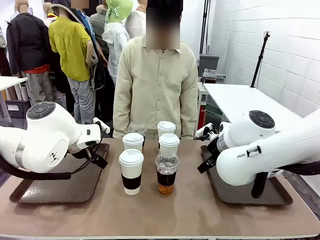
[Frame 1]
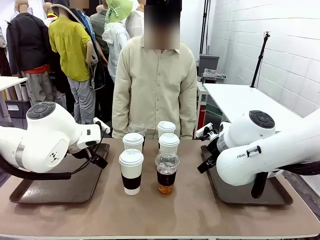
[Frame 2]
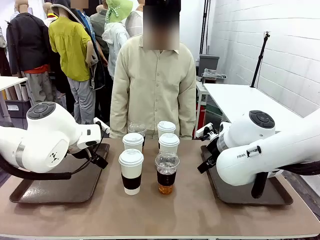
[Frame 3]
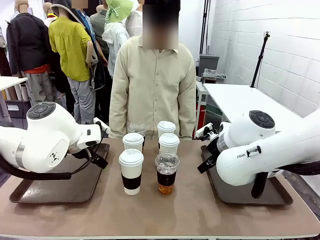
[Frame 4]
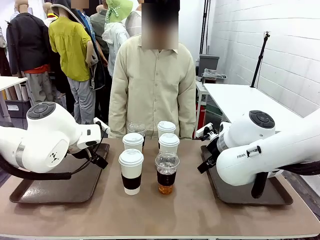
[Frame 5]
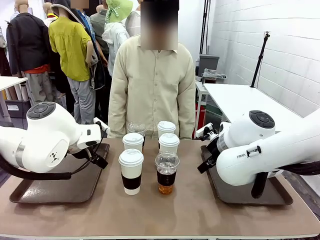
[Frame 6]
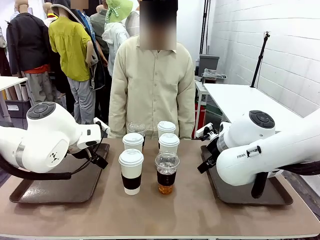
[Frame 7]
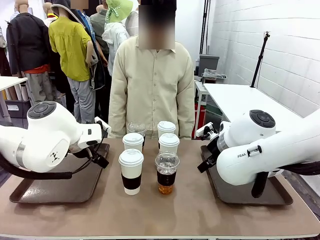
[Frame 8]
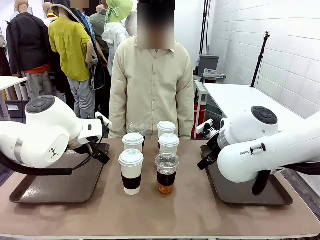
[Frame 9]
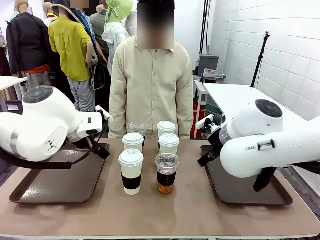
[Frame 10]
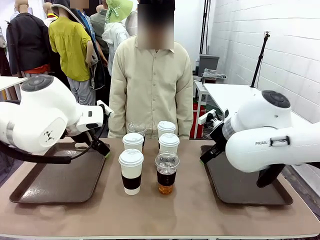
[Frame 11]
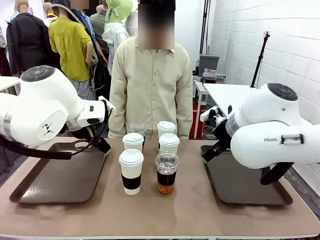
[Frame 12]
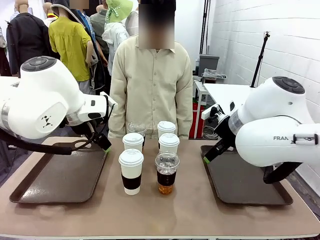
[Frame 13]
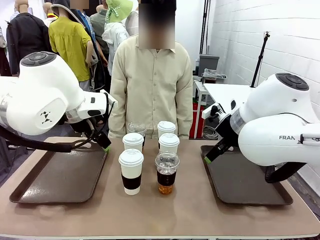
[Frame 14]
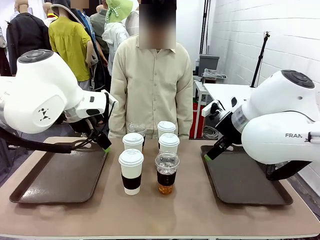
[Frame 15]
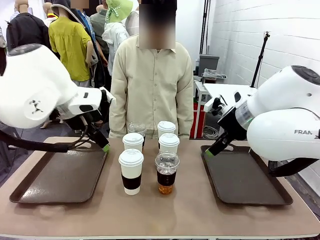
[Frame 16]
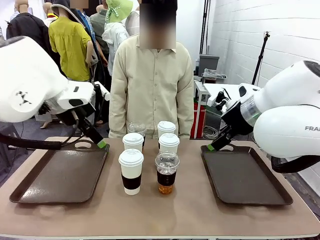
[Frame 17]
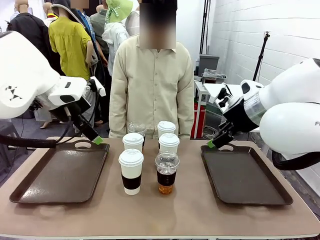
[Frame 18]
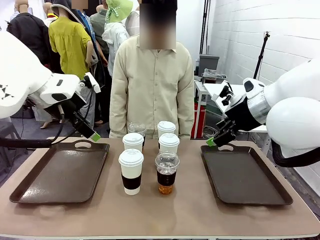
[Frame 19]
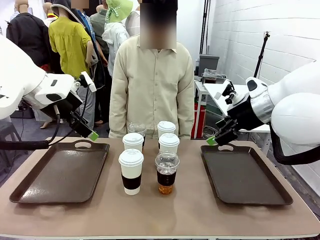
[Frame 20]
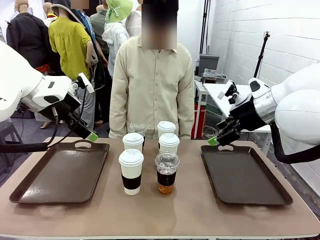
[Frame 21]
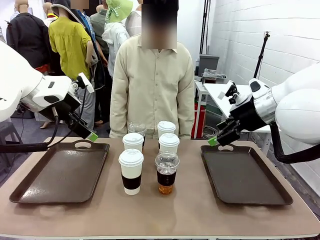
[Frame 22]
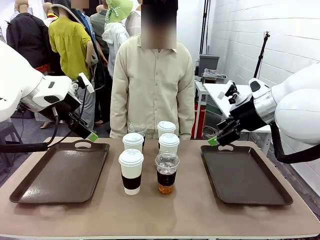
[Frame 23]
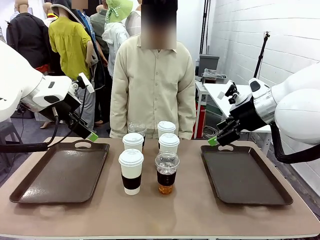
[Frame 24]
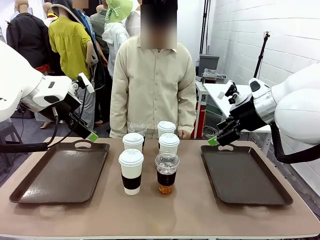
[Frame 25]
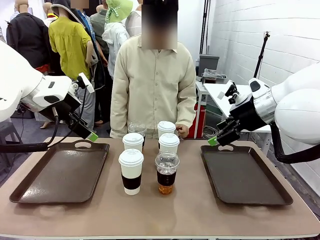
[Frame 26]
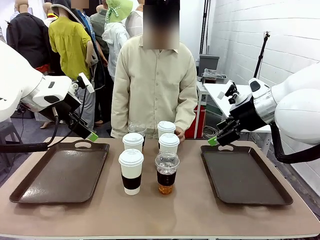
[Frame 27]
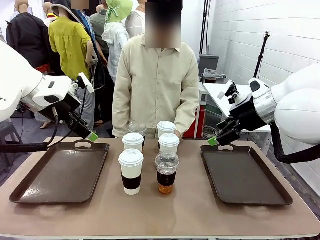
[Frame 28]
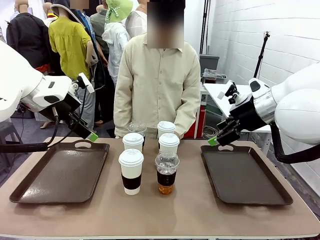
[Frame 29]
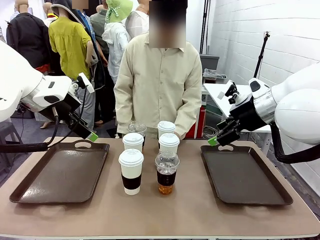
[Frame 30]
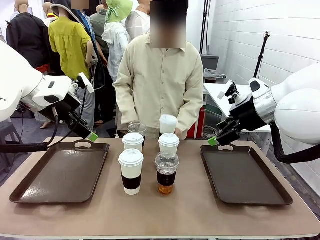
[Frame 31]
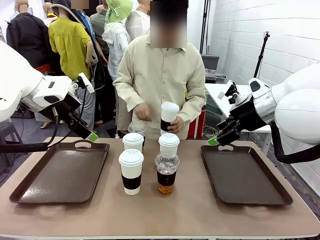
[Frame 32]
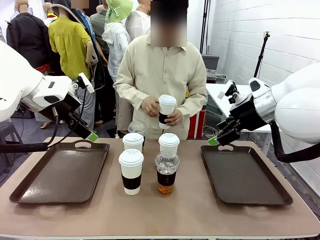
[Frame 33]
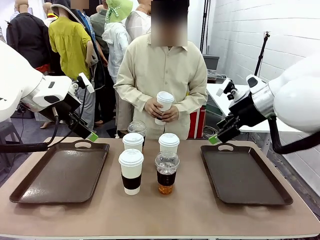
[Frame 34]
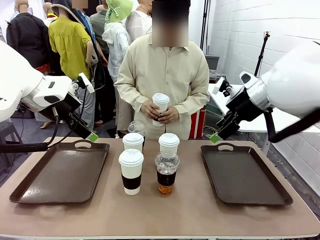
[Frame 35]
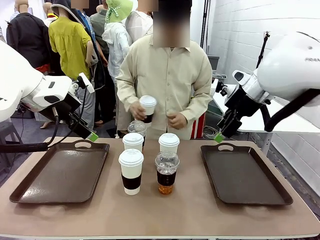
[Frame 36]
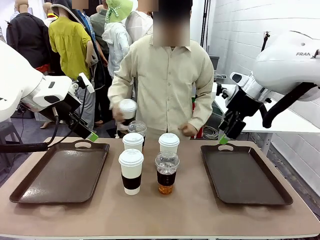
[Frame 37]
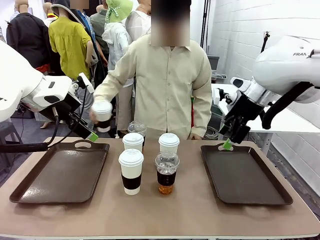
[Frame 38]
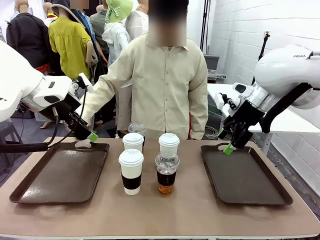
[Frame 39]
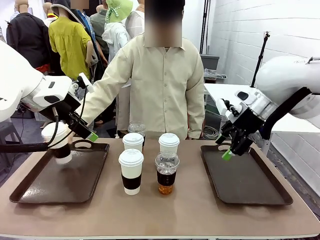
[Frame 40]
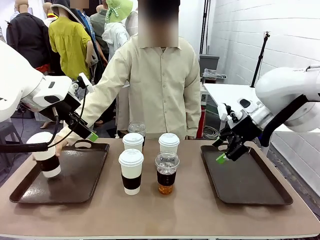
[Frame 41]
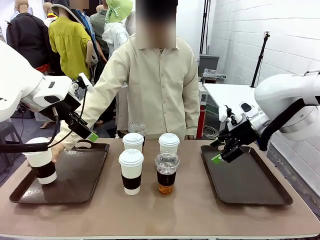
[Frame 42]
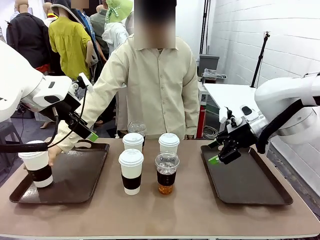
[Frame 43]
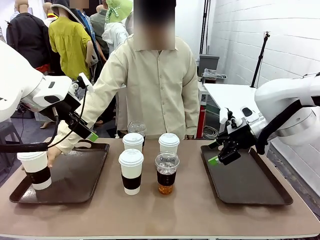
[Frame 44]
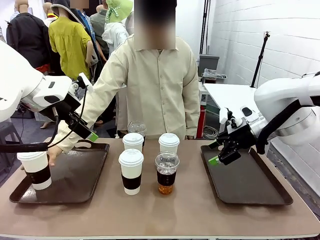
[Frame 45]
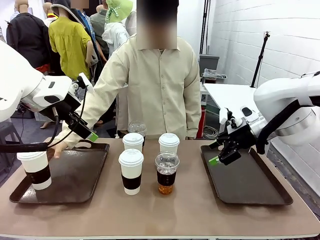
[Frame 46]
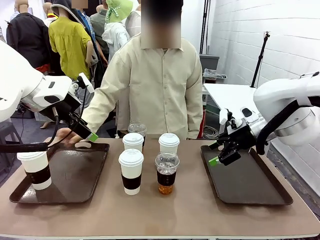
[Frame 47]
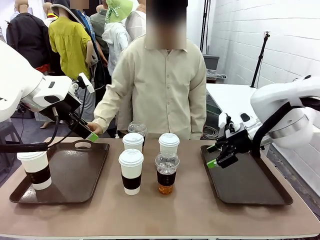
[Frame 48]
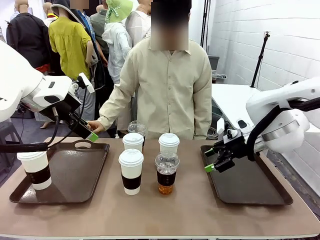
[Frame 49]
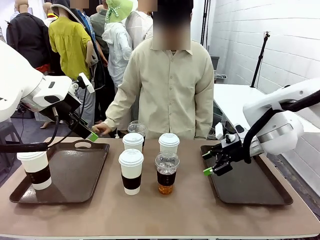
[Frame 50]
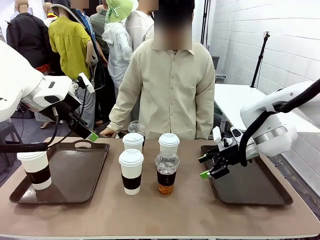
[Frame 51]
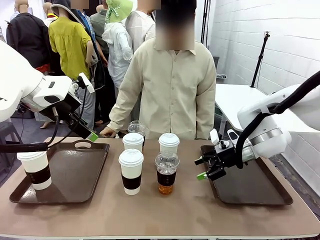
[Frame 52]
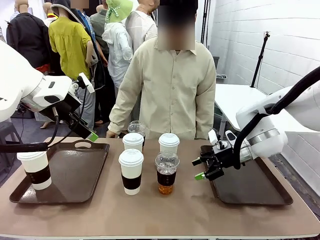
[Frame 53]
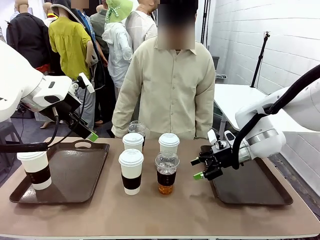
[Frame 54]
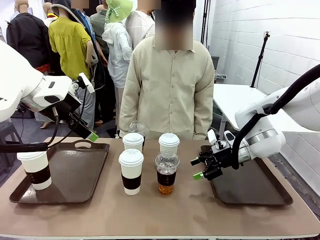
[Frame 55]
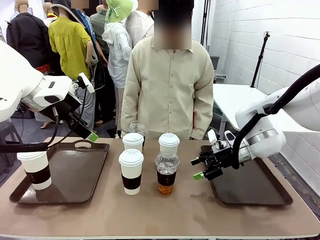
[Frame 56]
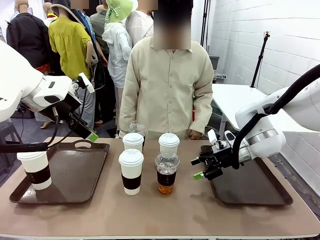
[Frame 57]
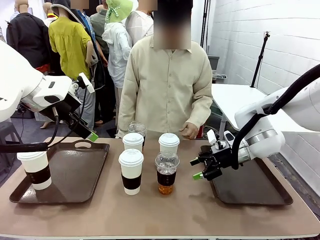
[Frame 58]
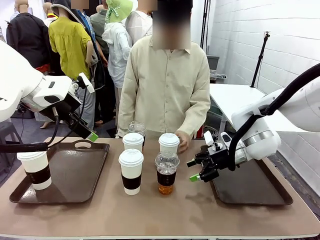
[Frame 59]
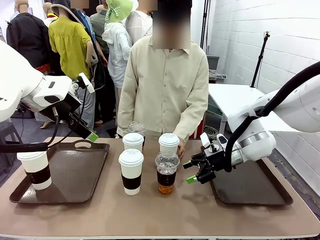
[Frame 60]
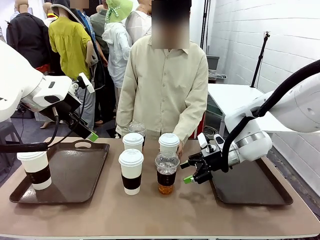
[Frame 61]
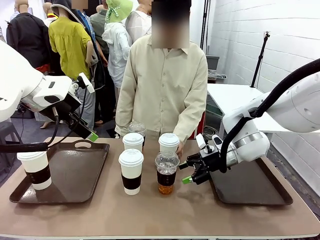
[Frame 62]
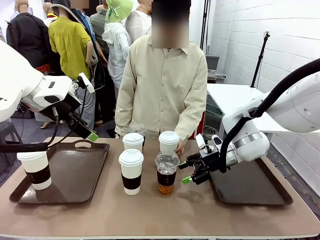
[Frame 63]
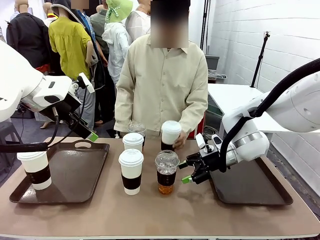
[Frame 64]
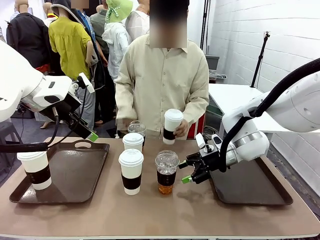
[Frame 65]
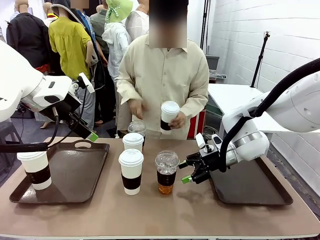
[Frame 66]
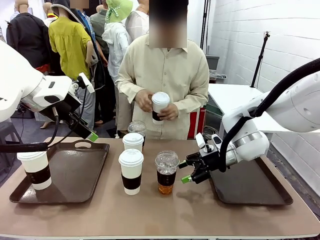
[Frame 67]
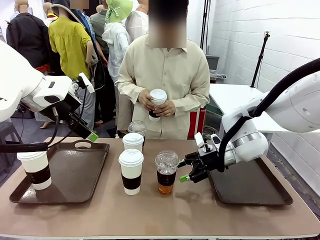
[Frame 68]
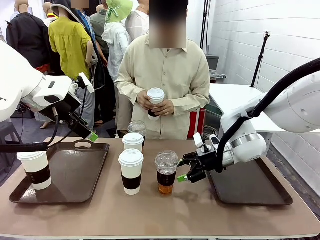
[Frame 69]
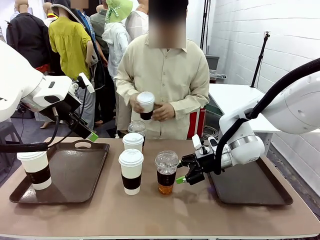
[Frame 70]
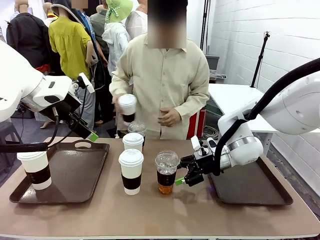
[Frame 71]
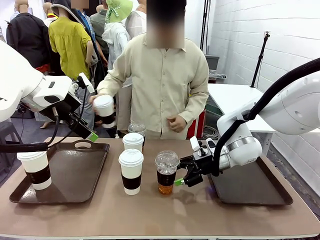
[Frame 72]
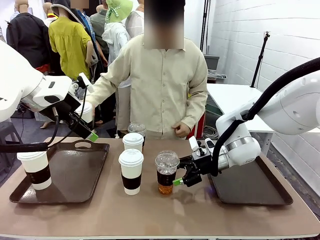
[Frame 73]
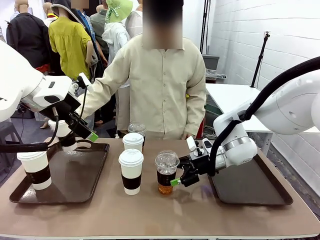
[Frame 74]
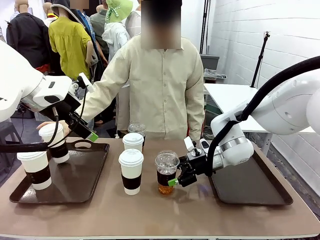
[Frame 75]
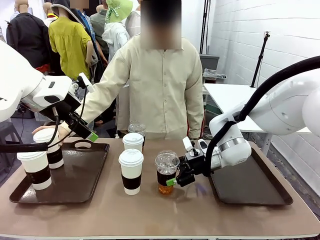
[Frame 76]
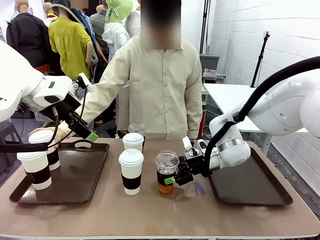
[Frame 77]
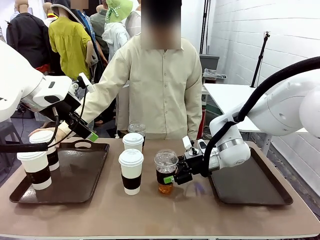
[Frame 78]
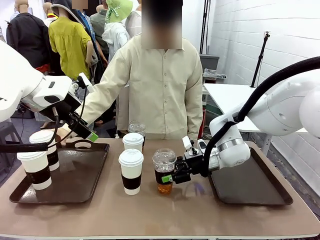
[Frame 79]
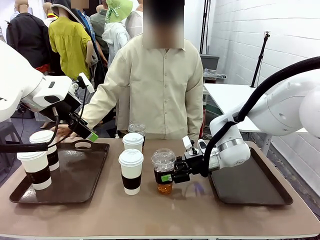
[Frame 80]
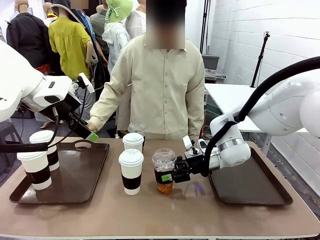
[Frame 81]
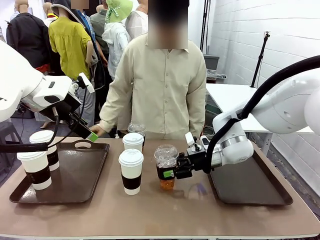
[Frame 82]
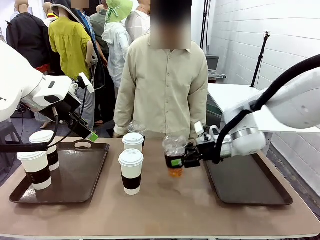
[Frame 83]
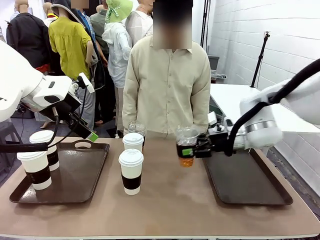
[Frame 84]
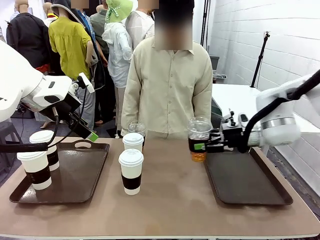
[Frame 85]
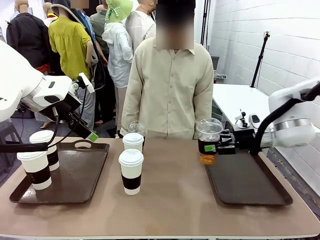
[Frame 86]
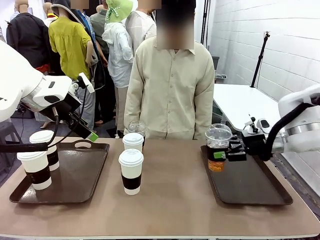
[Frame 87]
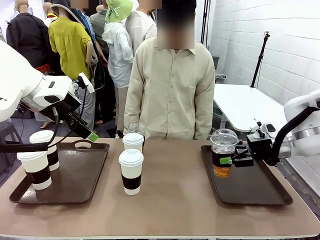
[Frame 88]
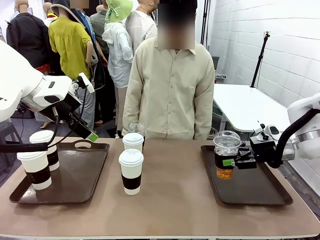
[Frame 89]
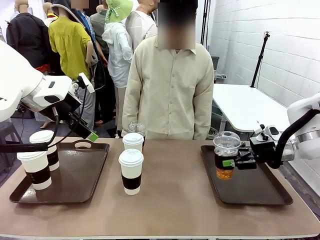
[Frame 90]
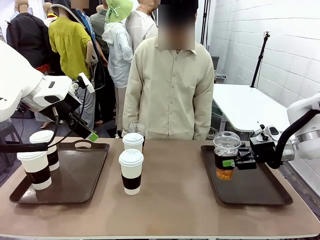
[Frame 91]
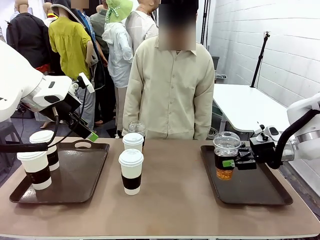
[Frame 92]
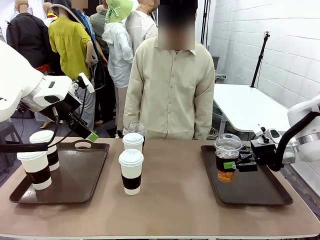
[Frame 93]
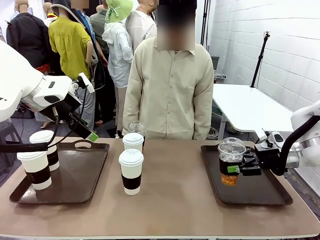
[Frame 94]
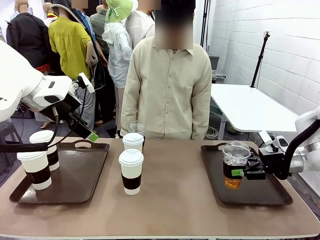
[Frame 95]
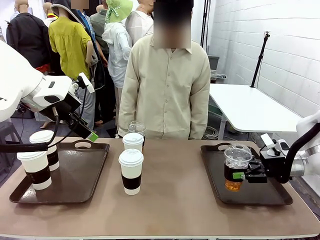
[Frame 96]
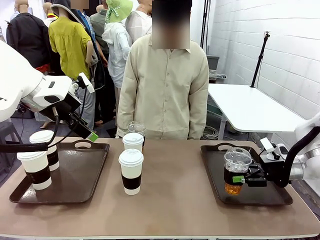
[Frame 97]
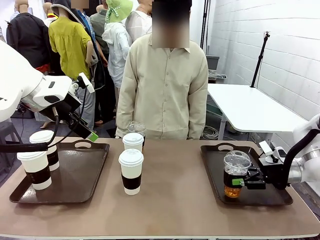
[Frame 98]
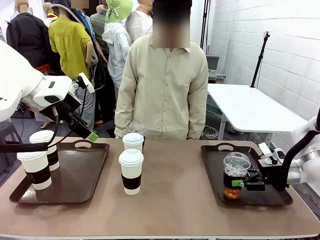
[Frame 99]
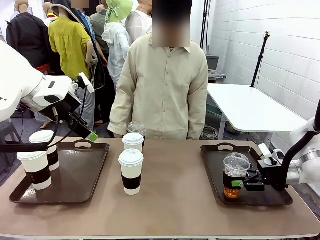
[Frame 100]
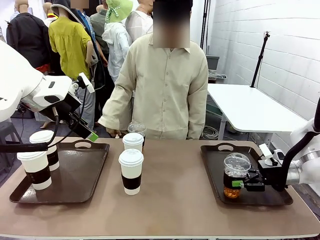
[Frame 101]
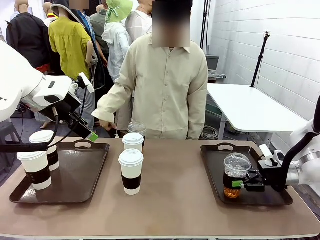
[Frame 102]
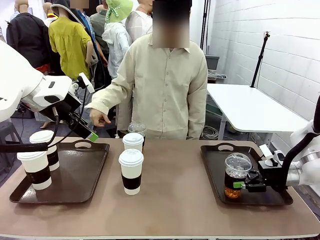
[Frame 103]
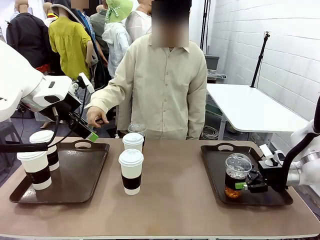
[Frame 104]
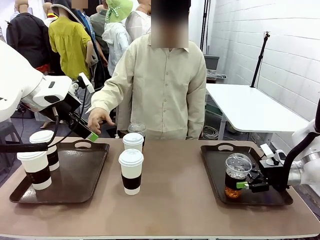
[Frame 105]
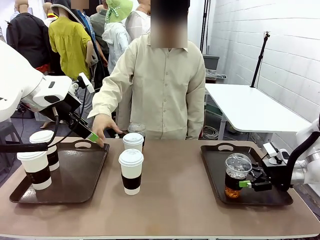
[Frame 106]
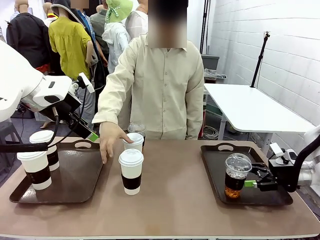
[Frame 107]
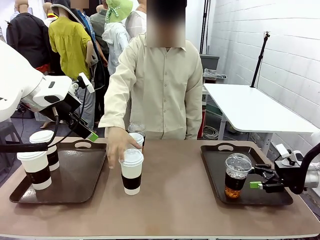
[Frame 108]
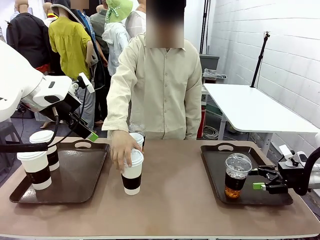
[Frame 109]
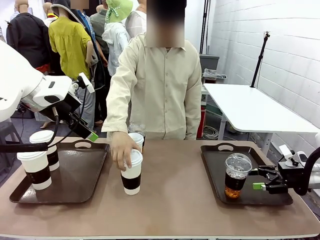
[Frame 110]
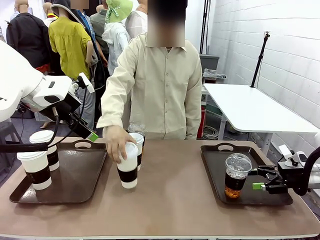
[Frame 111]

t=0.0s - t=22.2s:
Task: Distribute the coffee onto the tray.
Robot: Pick up one iced Americano and place it on the right Handle tray.
Person: Pick up a cup of hot Americano and place it on the right tray.
